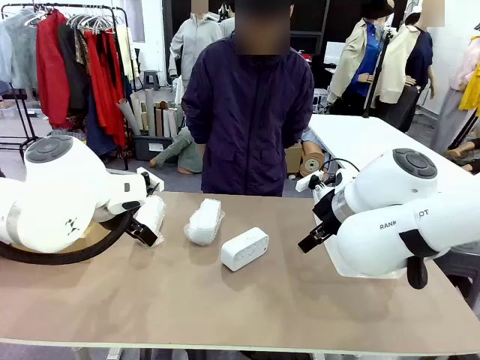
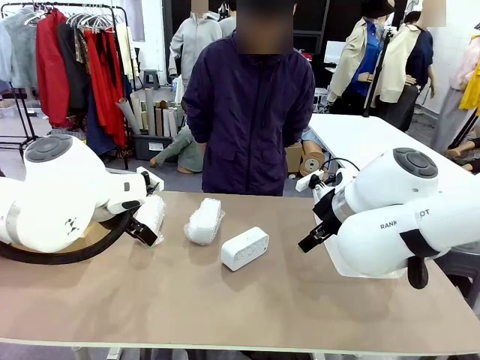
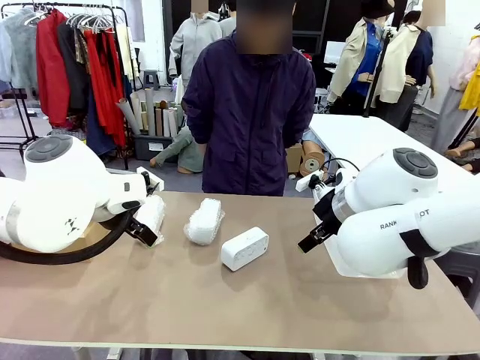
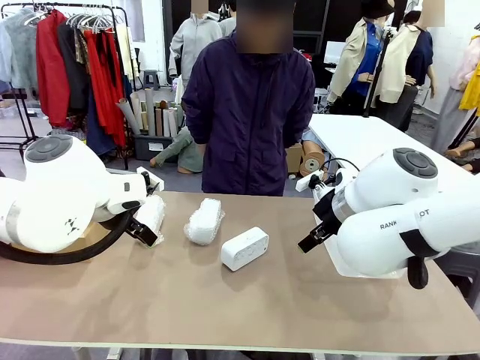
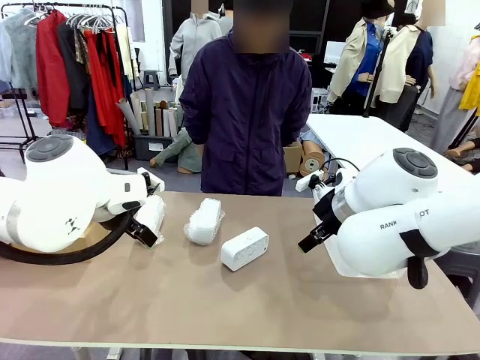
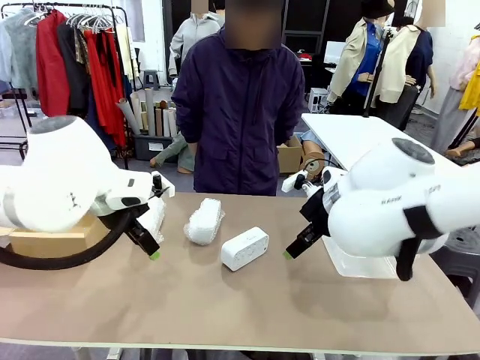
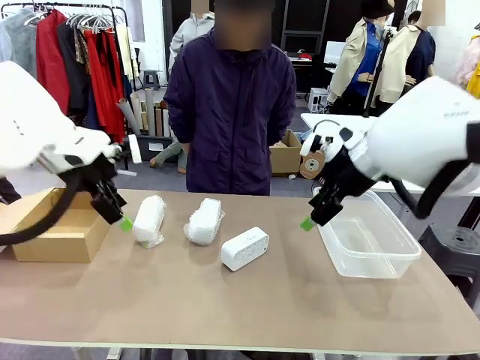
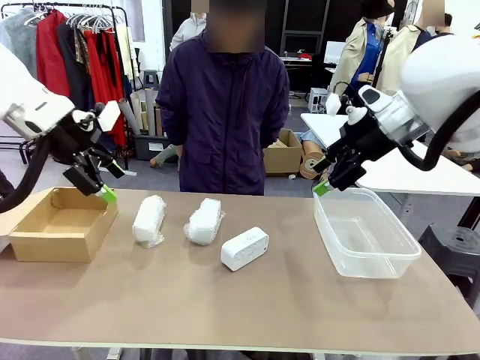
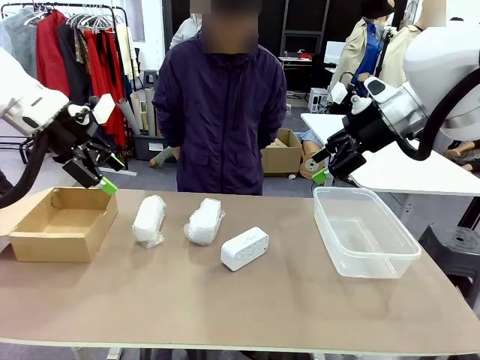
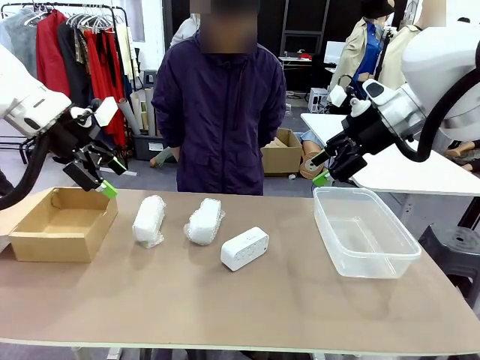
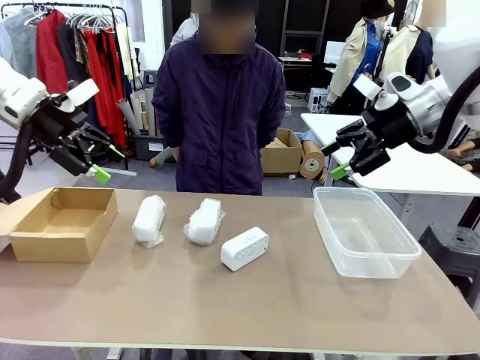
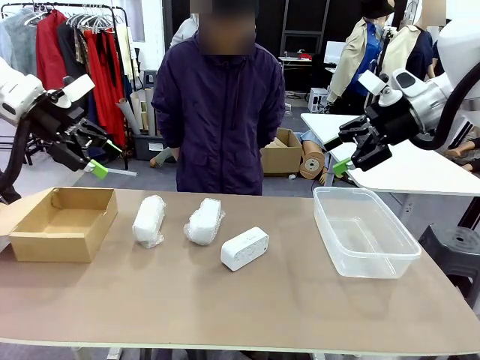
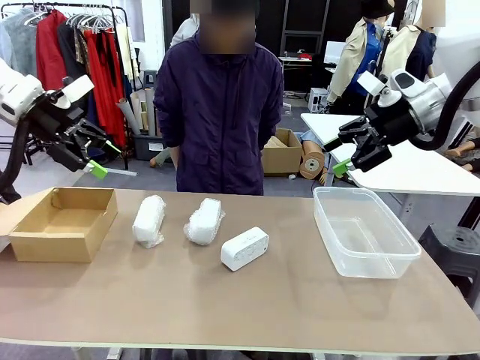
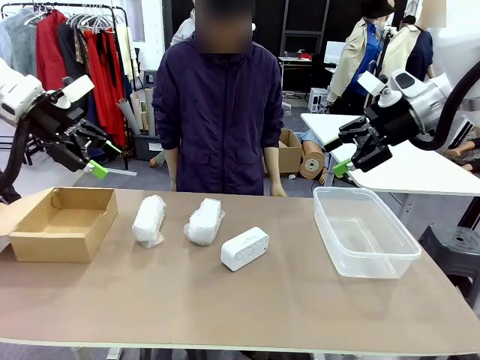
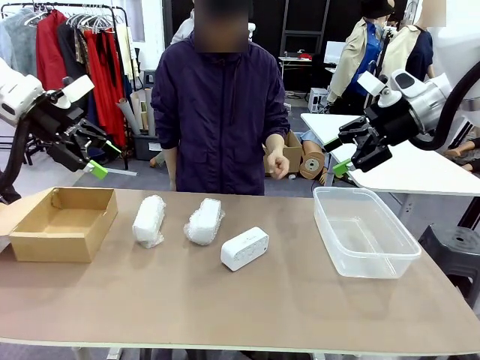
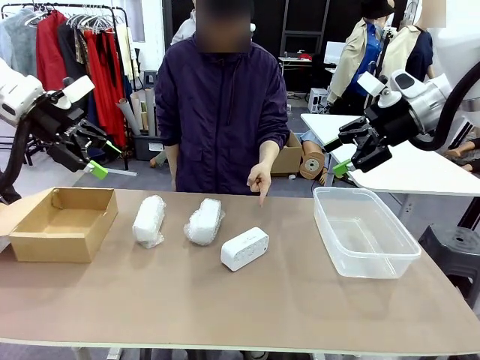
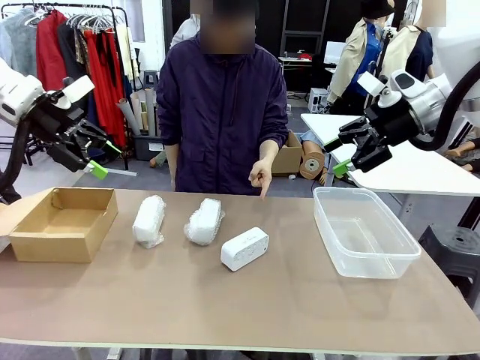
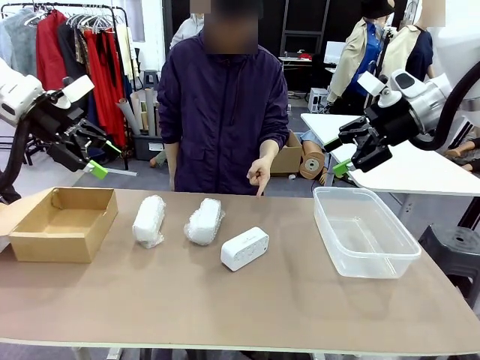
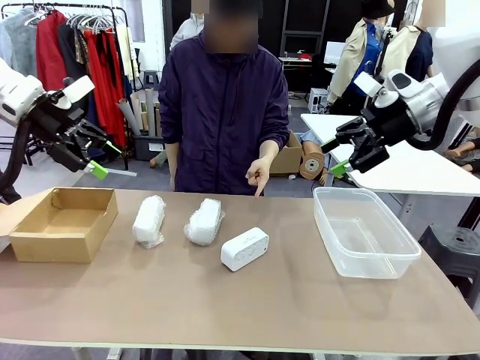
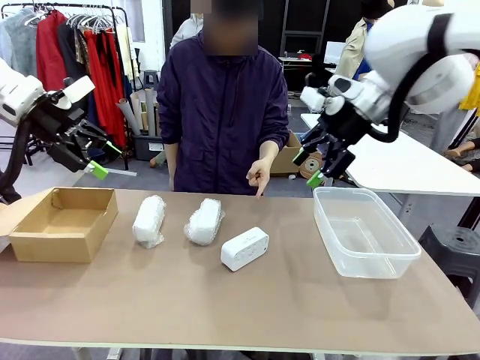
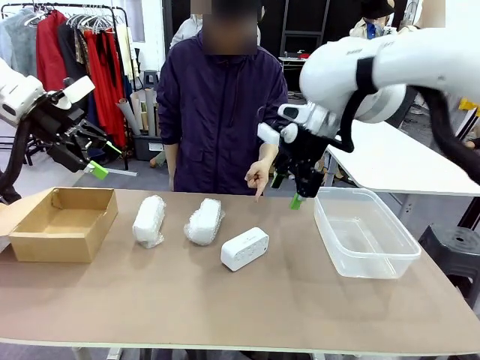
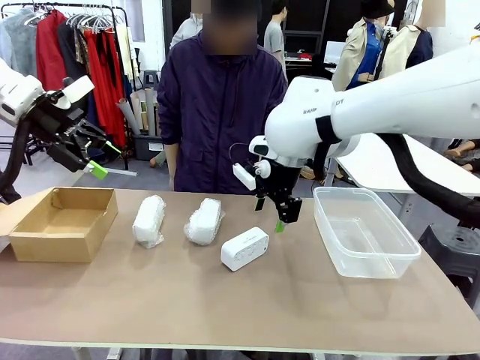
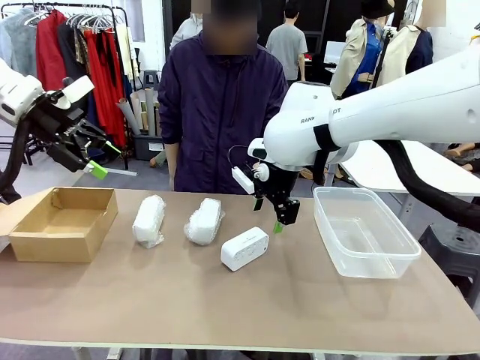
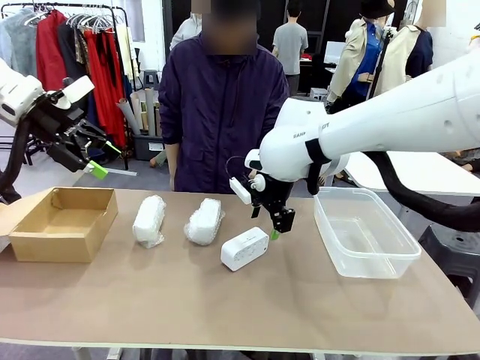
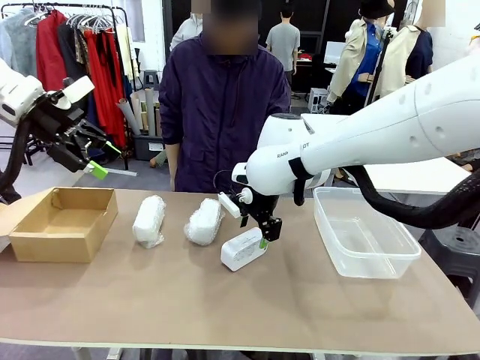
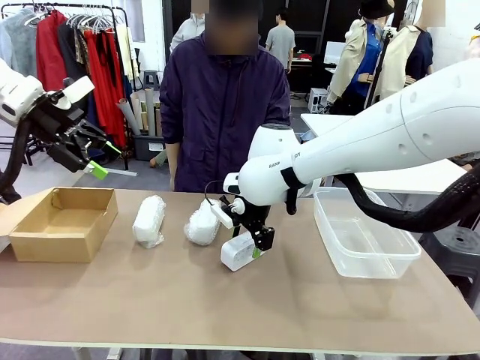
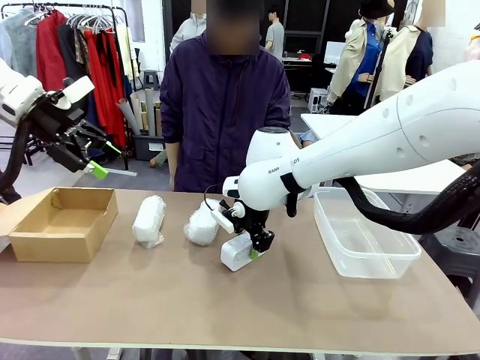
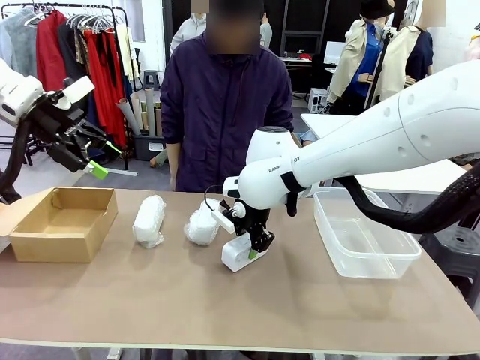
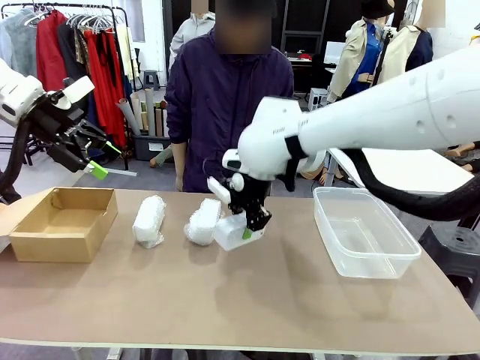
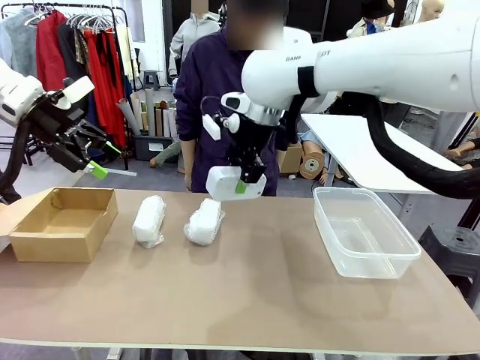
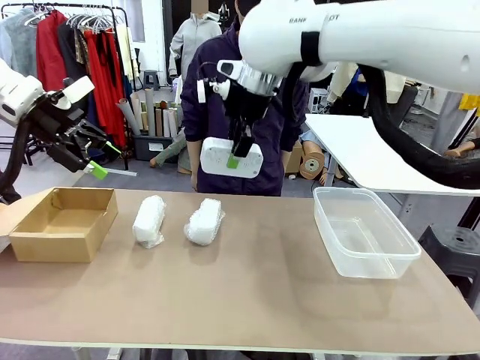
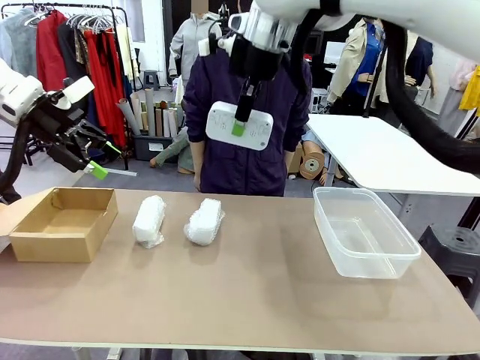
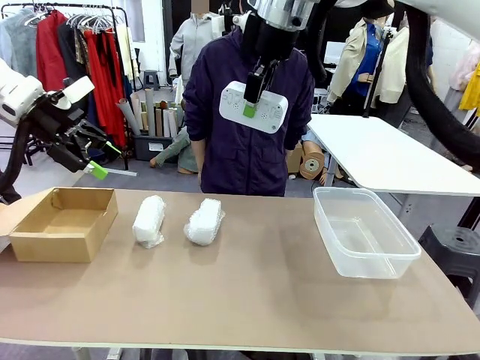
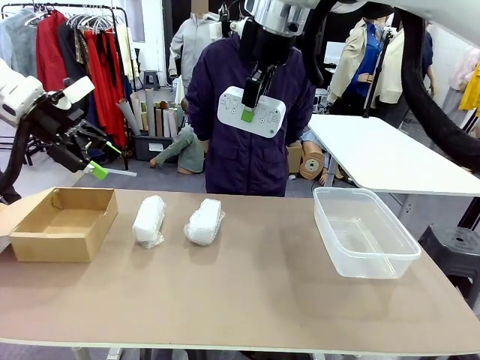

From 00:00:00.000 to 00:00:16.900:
Task: Separate and place wrapped and unwrapped clocks.
Robot: Pick up the Digital clock indicated by the person.

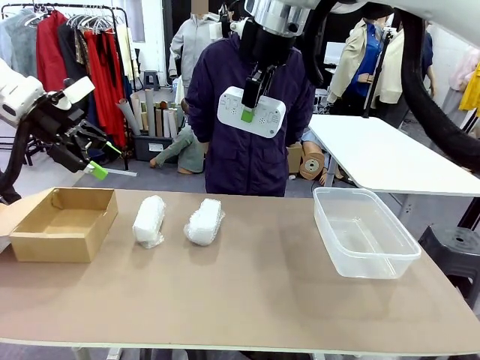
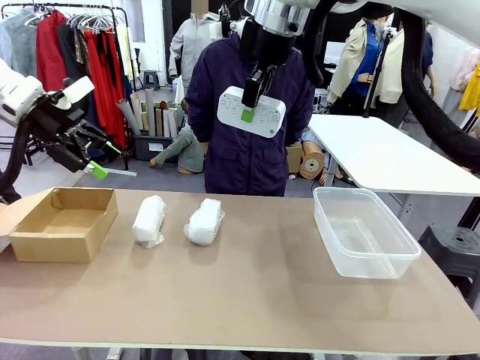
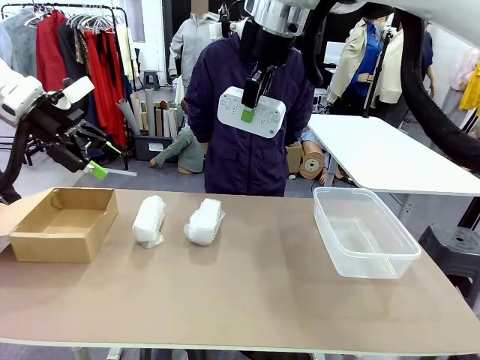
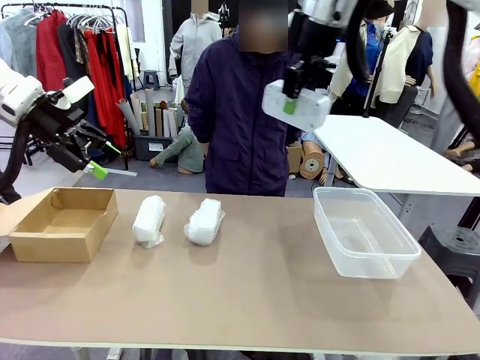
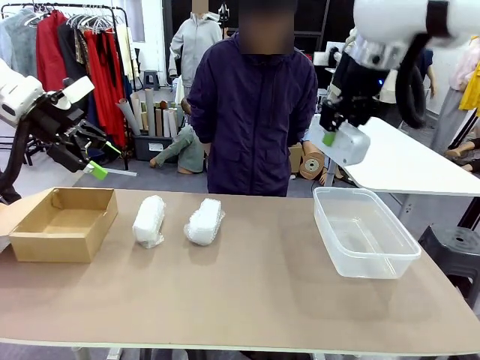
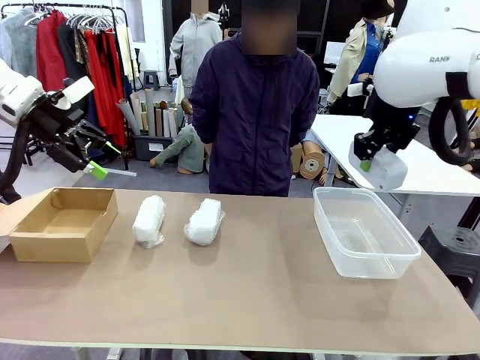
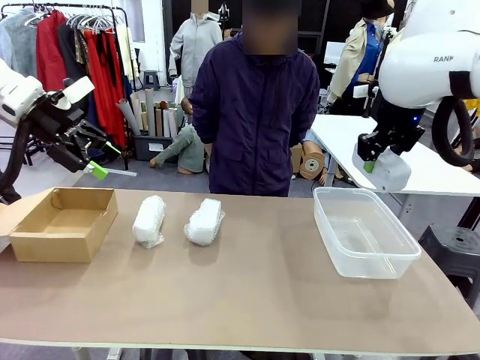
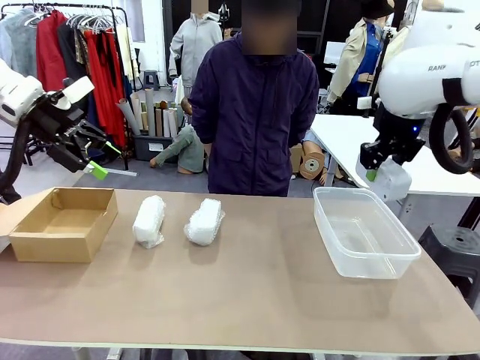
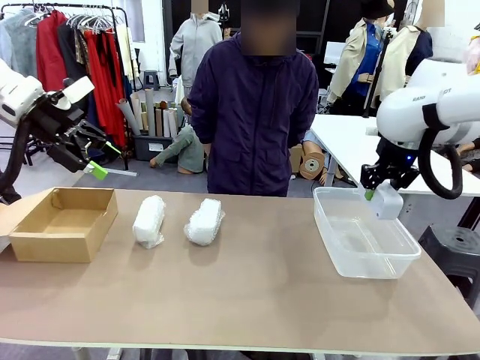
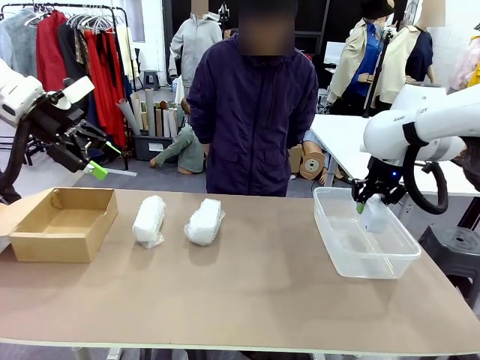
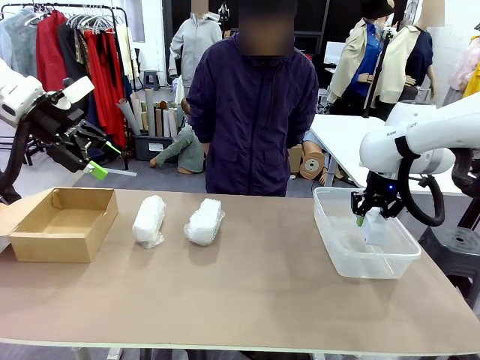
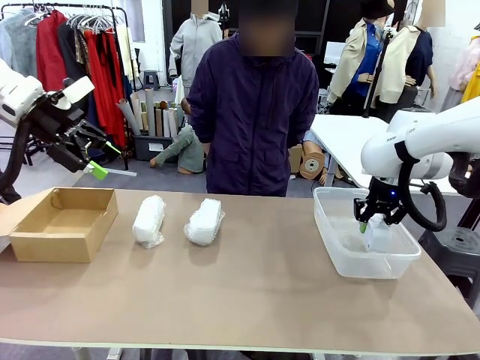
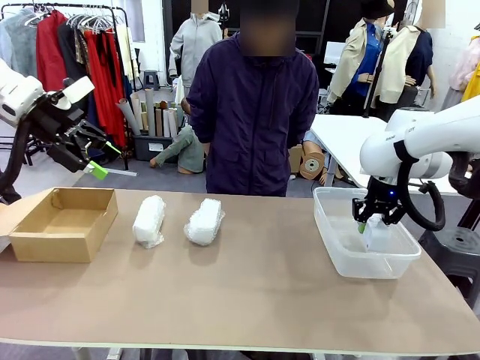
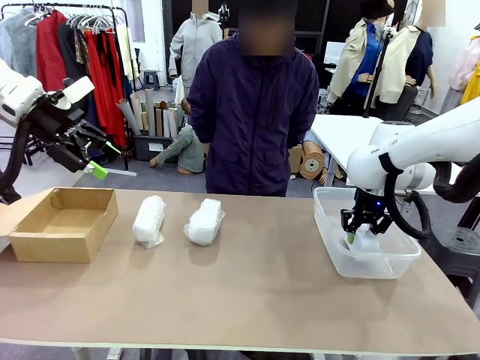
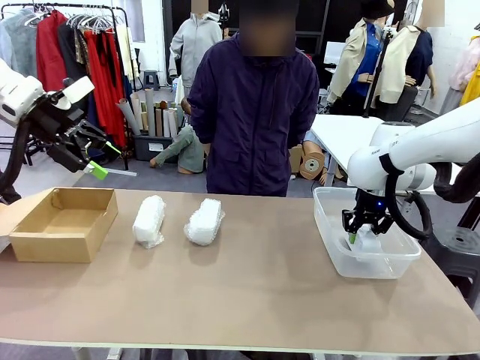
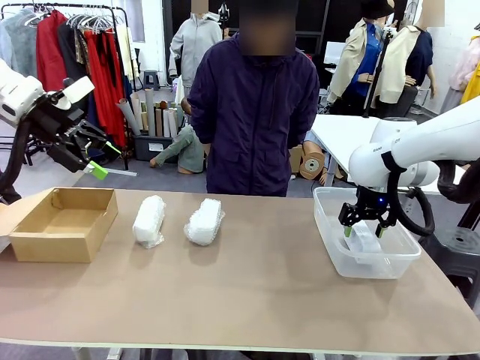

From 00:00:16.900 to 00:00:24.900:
Robot: If the picked Digital clock is wrapped, place it in the Package Box ; if not, place it in the Organizing box.
